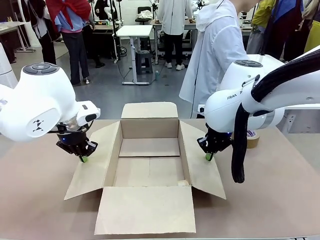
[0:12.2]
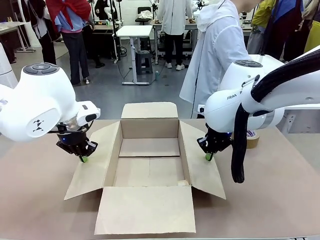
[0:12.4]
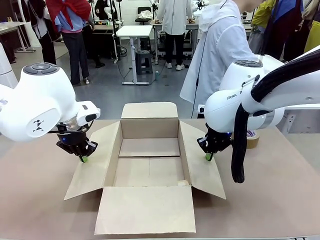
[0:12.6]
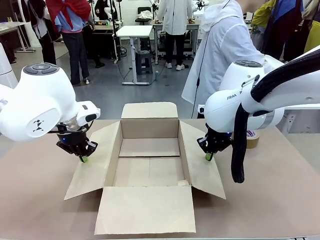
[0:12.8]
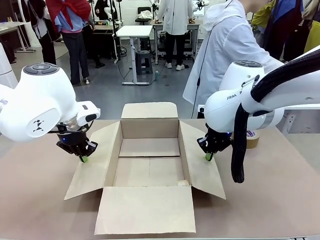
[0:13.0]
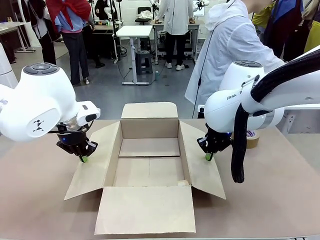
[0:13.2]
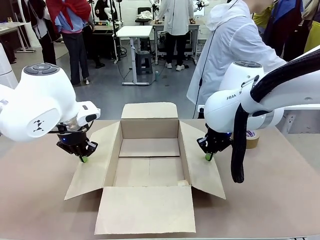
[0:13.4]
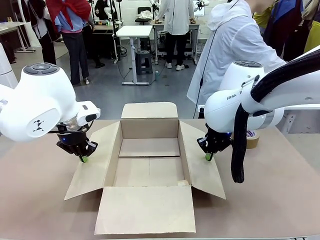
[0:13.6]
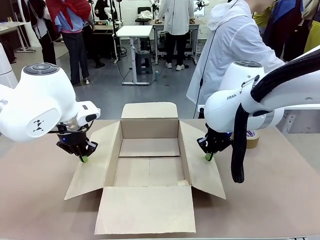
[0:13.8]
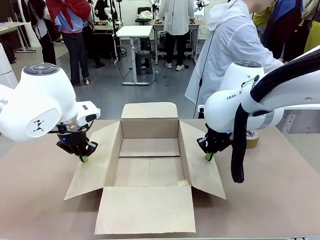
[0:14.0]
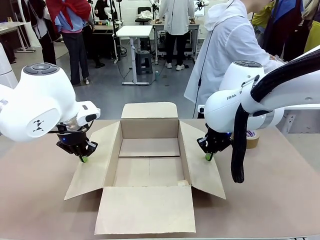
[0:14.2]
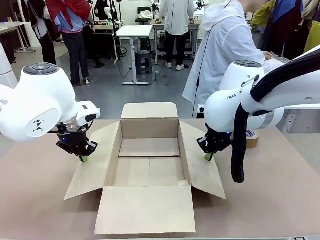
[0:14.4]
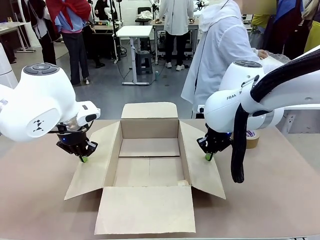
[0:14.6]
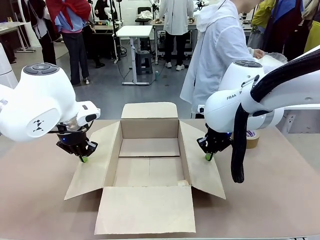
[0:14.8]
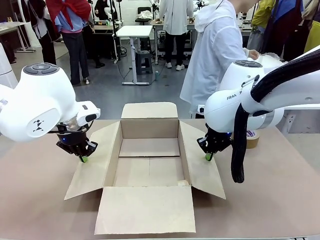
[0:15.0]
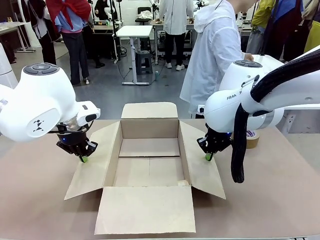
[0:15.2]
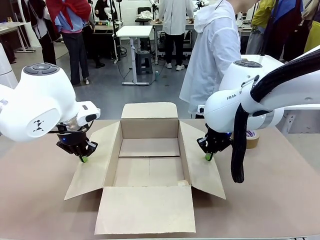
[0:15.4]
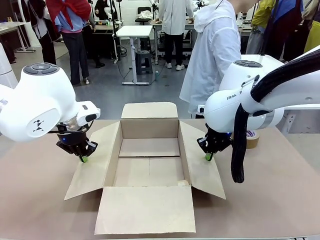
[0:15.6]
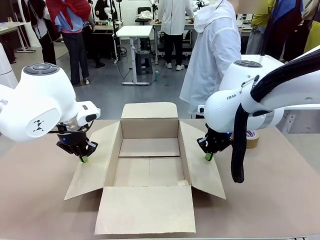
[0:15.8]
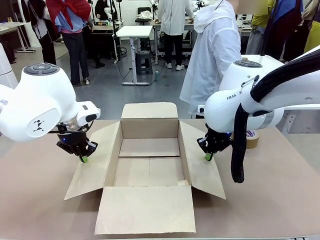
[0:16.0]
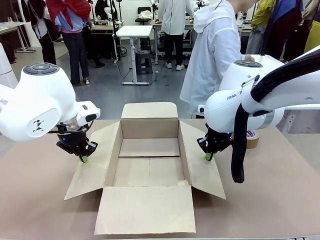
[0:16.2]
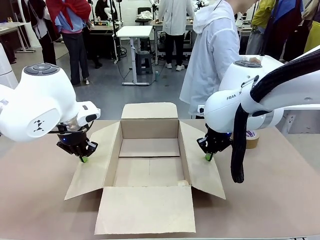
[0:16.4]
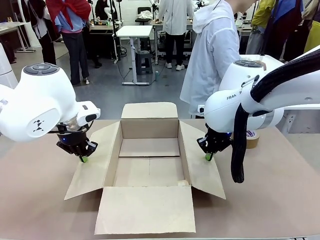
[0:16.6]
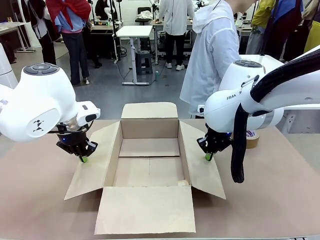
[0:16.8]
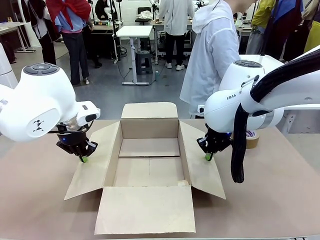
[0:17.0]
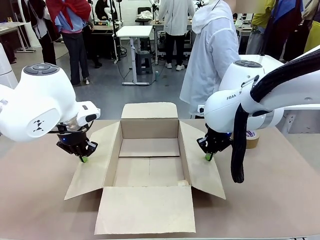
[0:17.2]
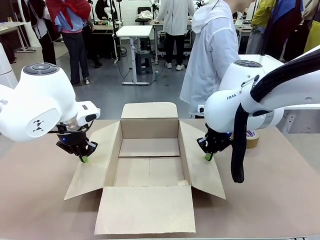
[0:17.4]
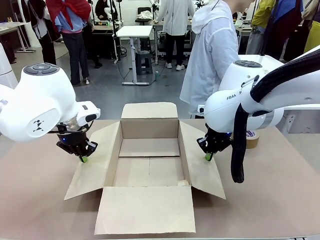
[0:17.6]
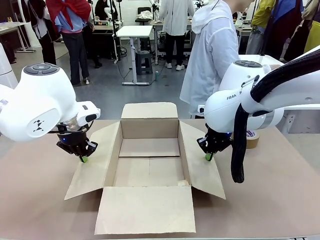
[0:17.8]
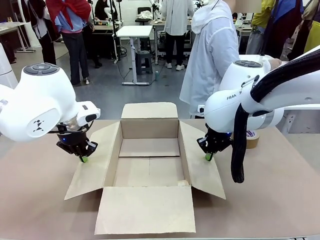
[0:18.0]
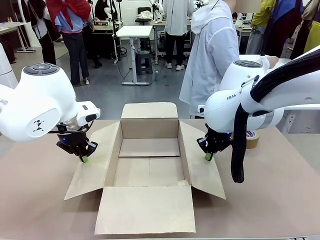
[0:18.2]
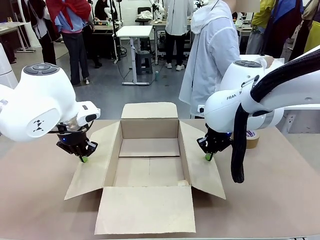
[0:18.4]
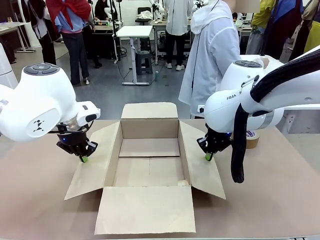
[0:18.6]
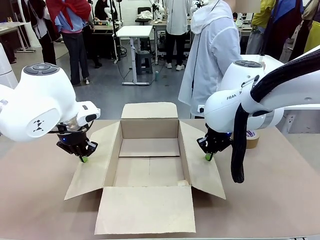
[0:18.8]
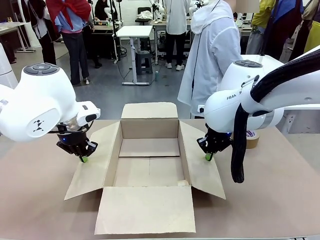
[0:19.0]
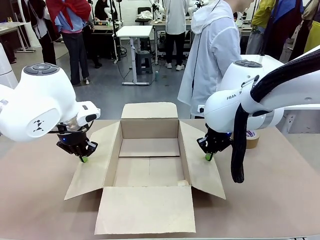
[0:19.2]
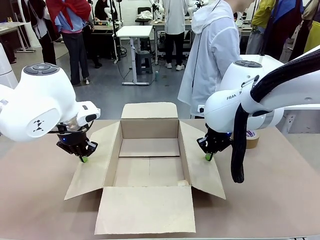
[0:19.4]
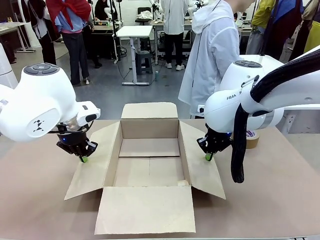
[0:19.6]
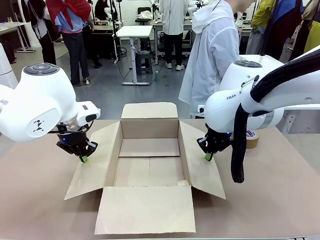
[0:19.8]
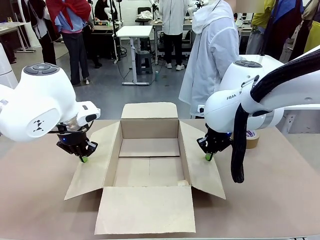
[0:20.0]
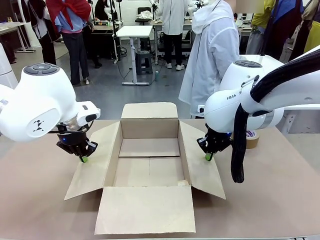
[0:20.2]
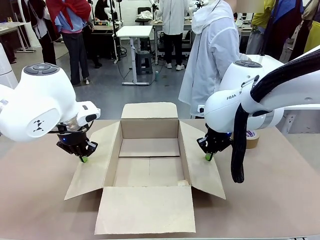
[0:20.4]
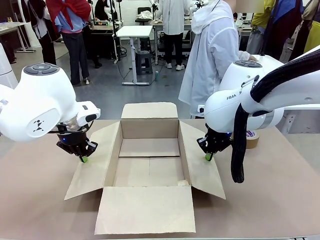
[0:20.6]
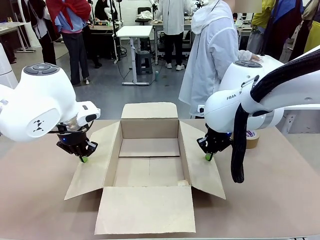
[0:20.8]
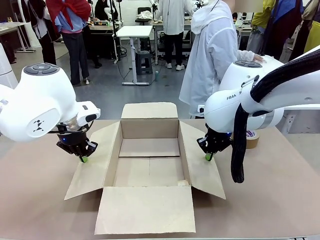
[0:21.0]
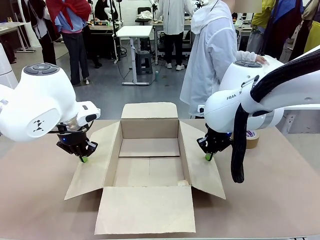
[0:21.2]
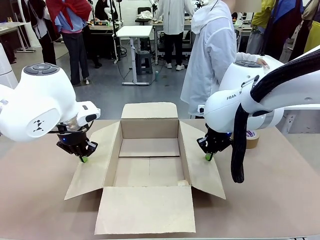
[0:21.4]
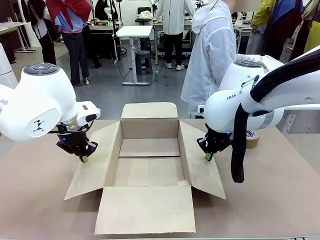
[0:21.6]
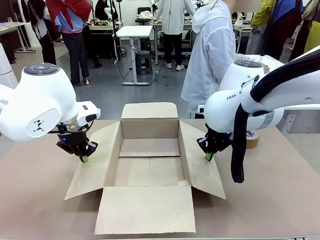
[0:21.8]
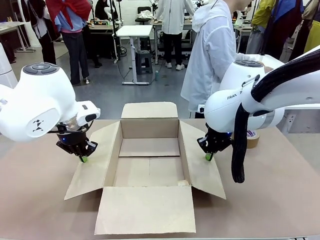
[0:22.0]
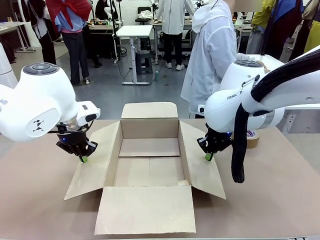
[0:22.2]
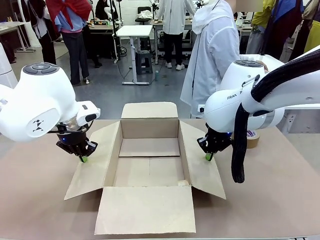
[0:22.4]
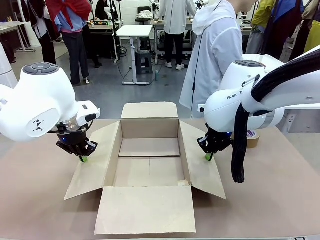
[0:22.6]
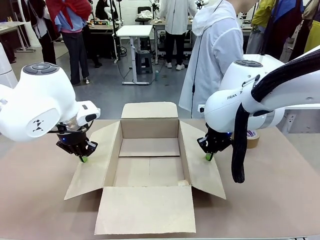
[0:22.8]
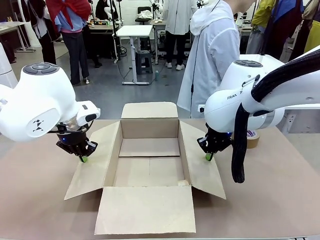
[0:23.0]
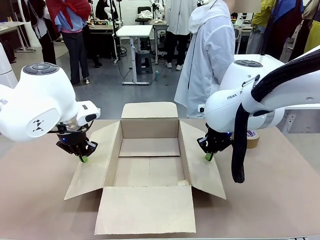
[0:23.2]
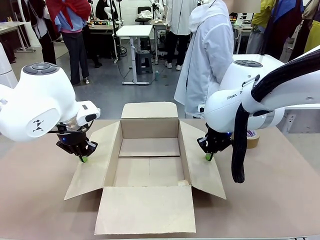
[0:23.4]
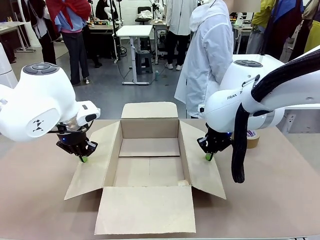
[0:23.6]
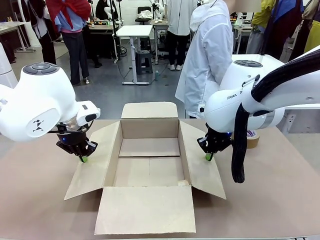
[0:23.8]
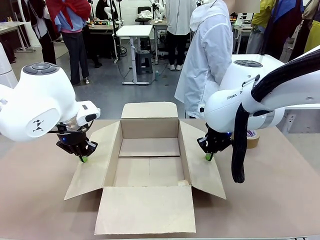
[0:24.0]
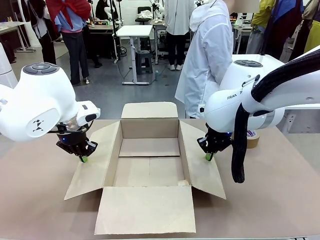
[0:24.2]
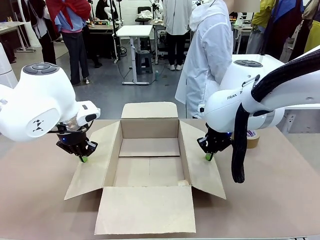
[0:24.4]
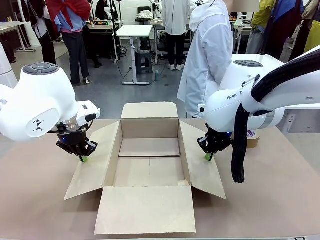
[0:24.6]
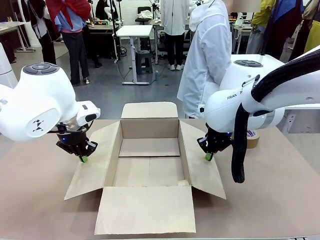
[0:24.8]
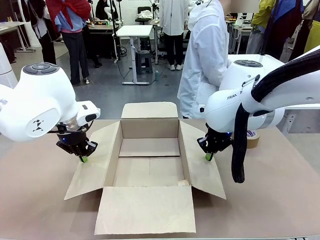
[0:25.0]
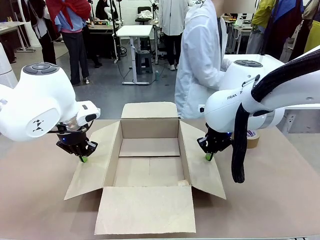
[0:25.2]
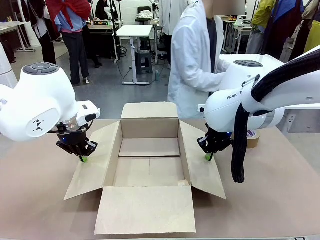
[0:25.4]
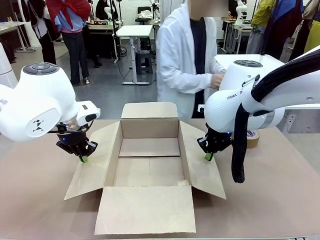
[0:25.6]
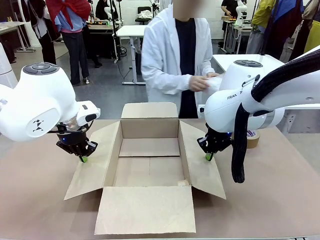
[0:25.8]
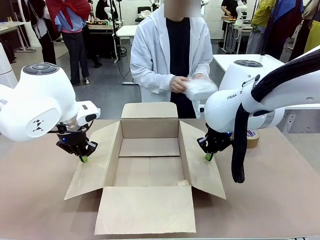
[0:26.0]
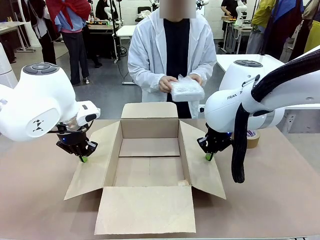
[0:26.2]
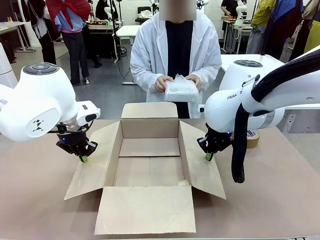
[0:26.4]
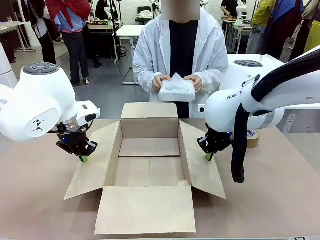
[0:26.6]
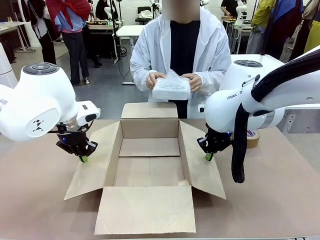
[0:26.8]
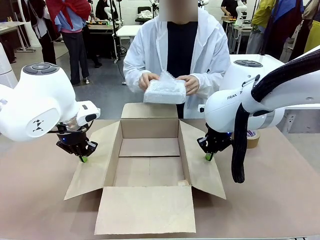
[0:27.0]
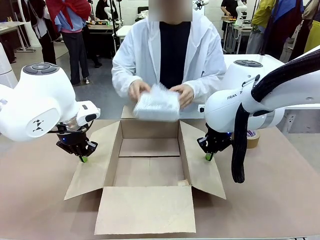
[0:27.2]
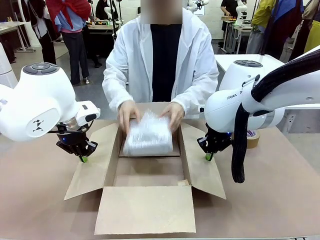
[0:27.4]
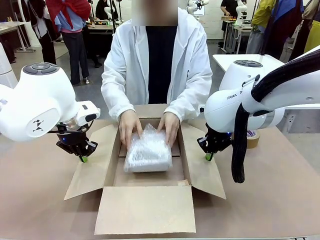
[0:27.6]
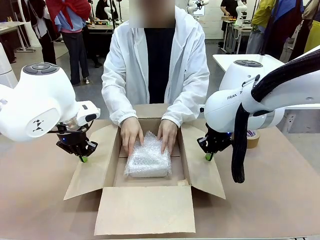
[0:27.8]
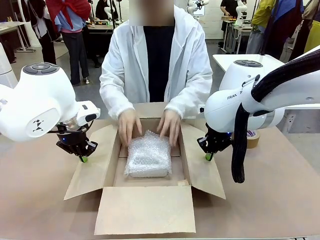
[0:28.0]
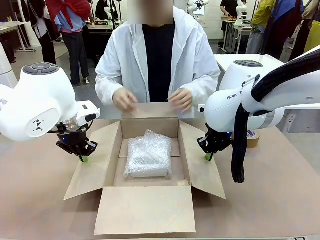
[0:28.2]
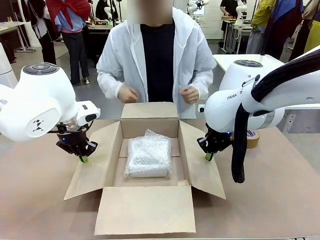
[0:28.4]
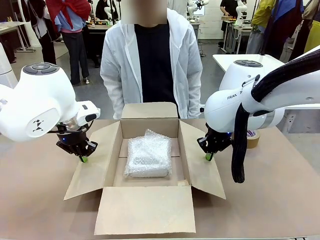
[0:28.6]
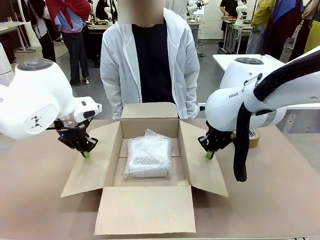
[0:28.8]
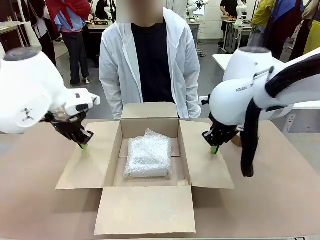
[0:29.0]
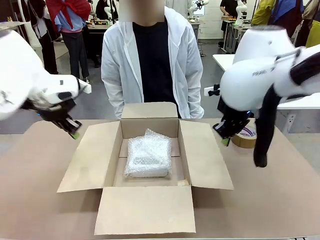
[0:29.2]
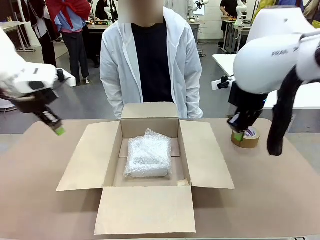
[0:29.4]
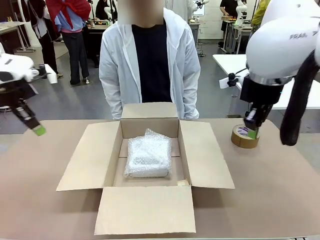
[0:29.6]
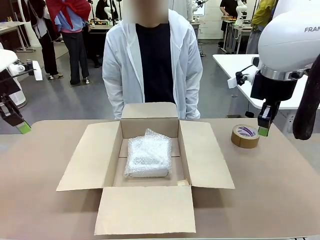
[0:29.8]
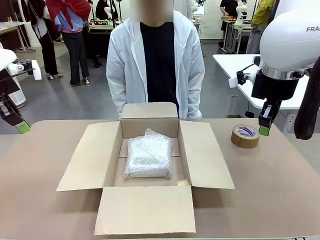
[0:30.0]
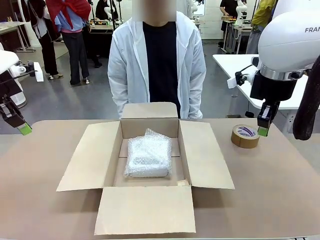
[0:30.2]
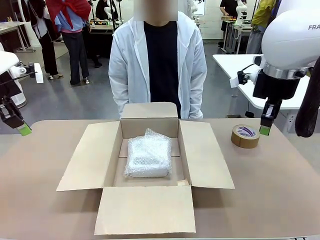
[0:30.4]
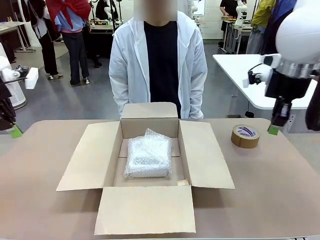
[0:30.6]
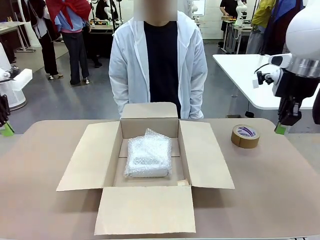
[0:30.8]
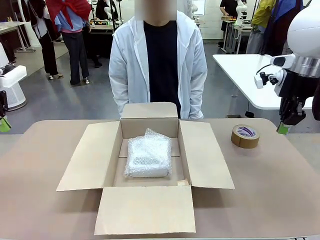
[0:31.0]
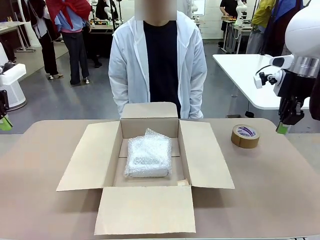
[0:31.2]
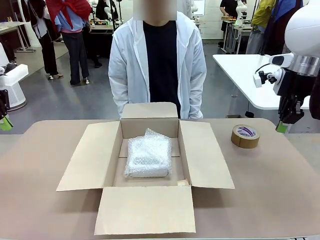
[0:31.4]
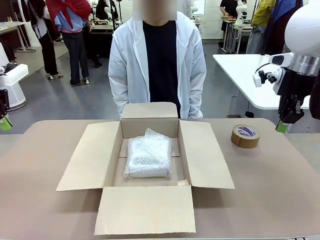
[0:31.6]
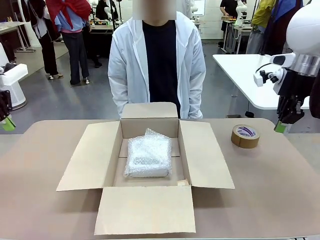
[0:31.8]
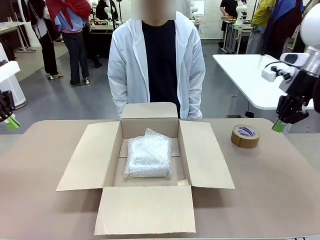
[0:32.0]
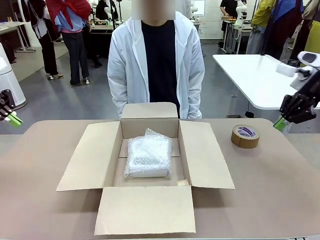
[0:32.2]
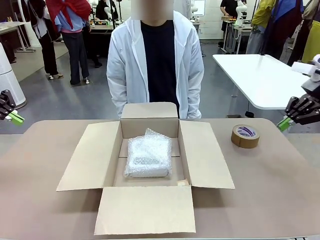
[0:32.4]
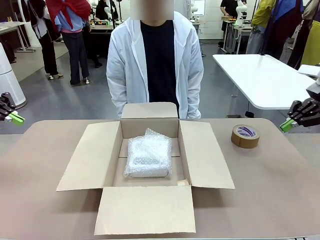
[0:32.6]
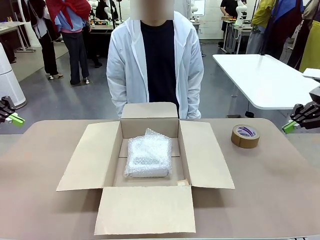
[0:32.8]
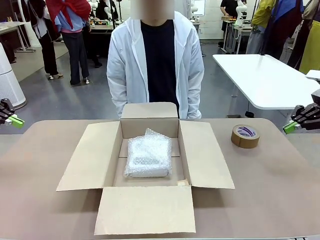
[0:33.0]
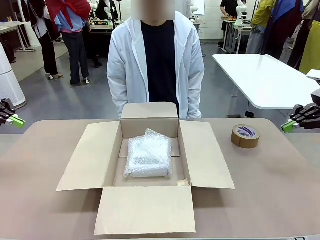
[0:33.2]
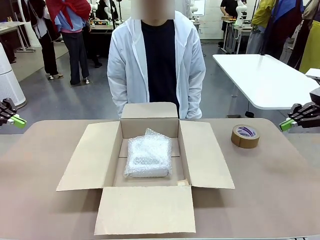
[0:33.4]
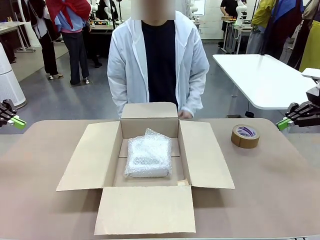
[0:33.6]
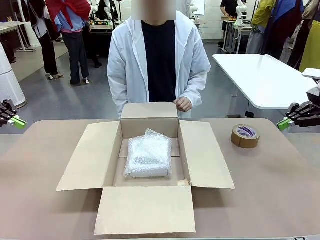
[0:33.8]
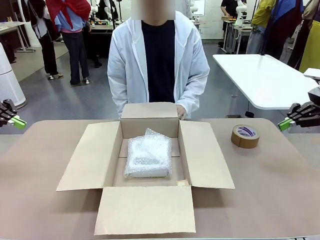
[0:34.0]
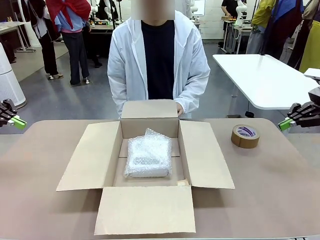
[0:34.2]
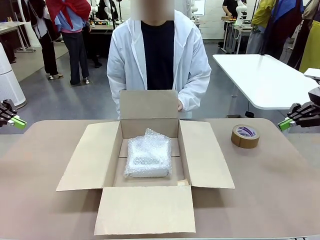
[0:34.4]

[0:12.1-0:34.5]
Task: Wrap the clocks to prevent damage.
Robot: Once the human has placed the objects inside and stepped back, release both hands from the side flaps of the Package Box.
Person: Place the wrapped Digital clocks inside the Package Box. Hold the top and bottom flaps of the Package Box closed with your left (or right) hand.
